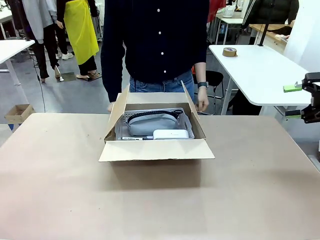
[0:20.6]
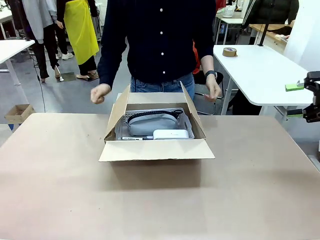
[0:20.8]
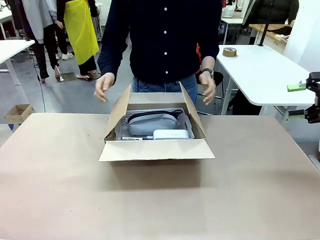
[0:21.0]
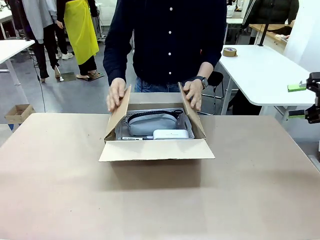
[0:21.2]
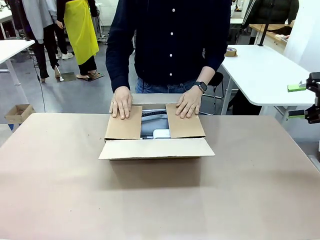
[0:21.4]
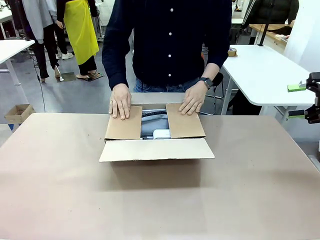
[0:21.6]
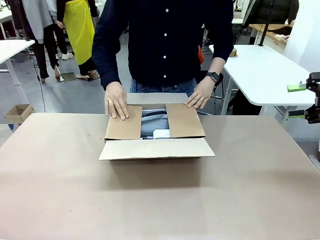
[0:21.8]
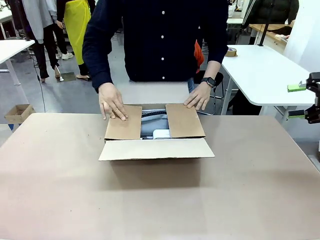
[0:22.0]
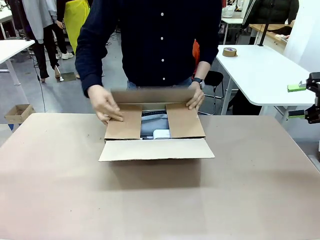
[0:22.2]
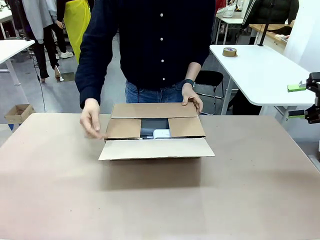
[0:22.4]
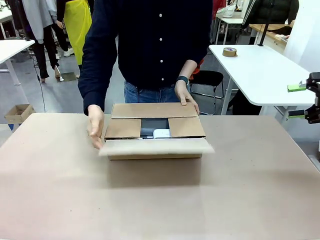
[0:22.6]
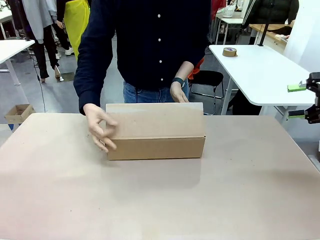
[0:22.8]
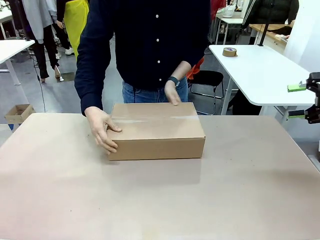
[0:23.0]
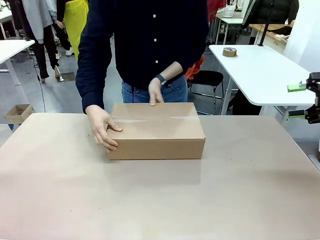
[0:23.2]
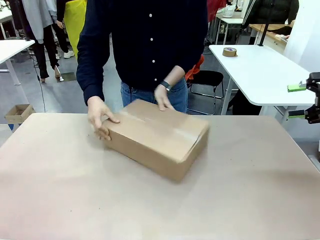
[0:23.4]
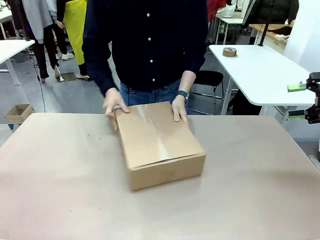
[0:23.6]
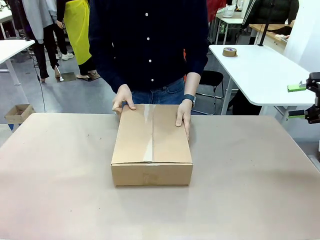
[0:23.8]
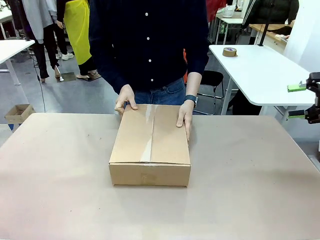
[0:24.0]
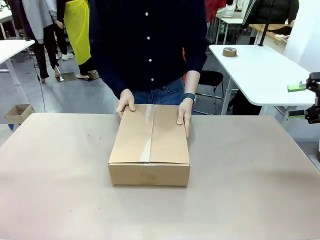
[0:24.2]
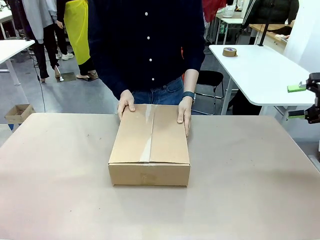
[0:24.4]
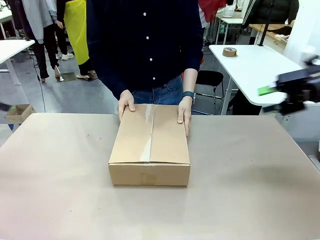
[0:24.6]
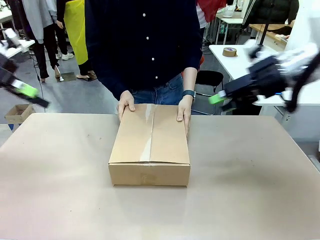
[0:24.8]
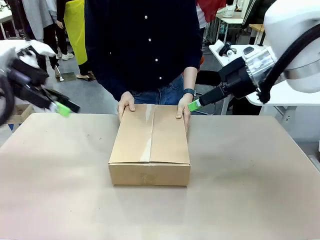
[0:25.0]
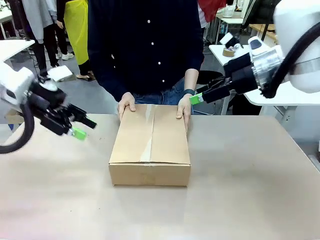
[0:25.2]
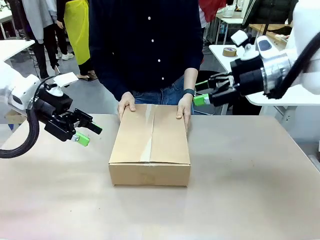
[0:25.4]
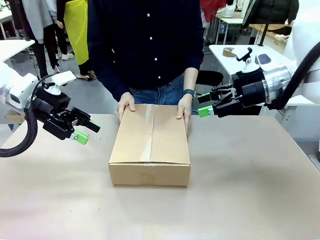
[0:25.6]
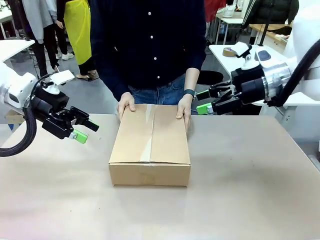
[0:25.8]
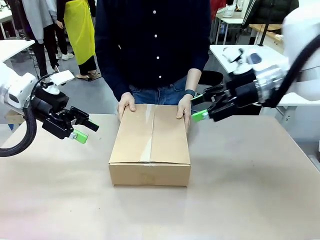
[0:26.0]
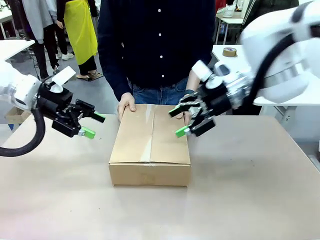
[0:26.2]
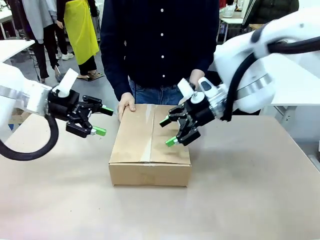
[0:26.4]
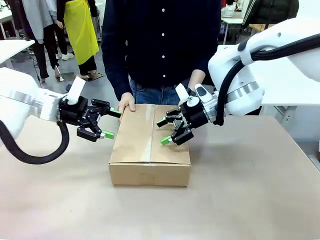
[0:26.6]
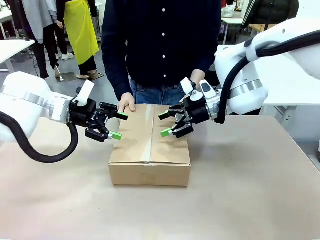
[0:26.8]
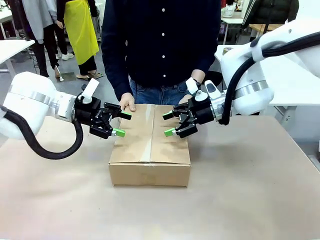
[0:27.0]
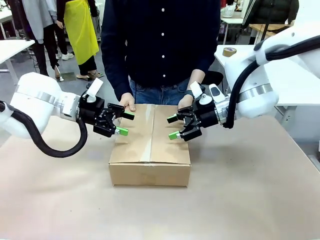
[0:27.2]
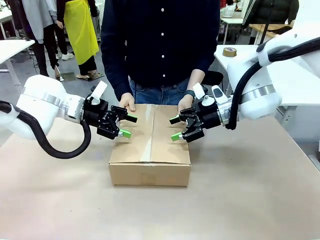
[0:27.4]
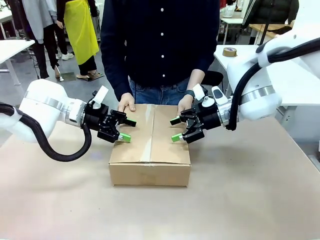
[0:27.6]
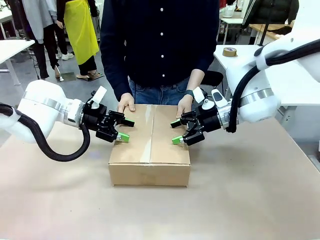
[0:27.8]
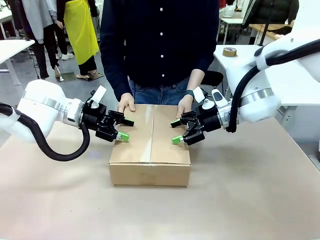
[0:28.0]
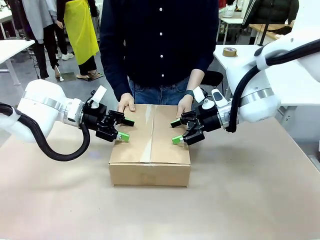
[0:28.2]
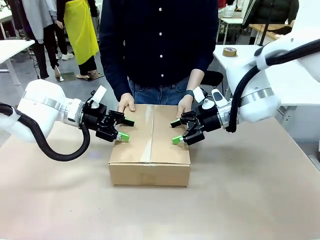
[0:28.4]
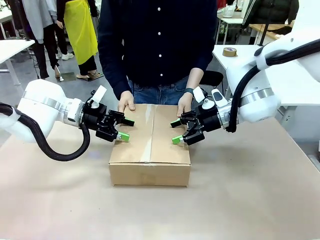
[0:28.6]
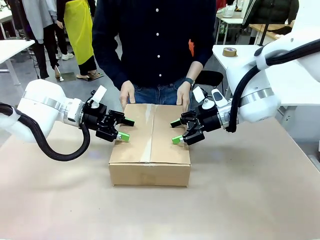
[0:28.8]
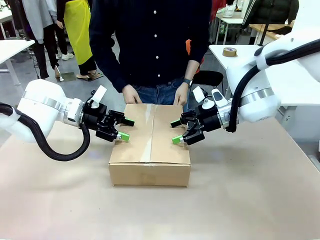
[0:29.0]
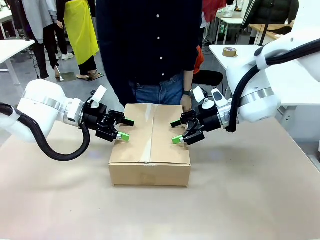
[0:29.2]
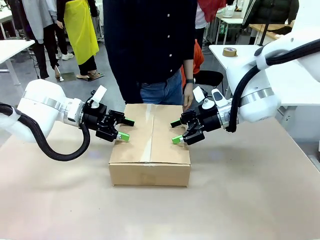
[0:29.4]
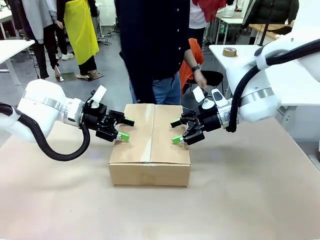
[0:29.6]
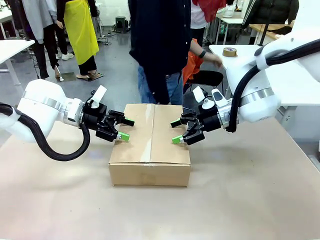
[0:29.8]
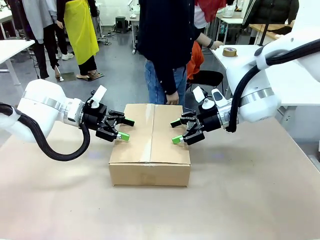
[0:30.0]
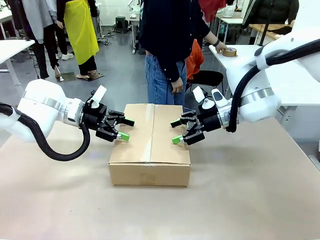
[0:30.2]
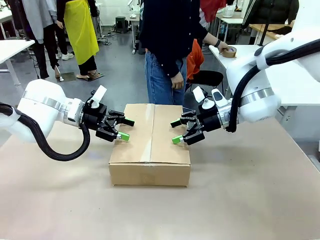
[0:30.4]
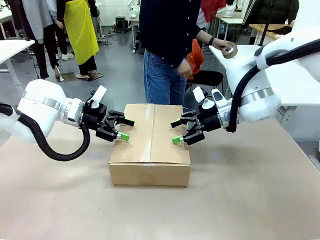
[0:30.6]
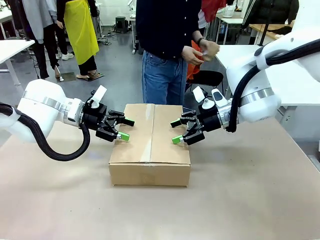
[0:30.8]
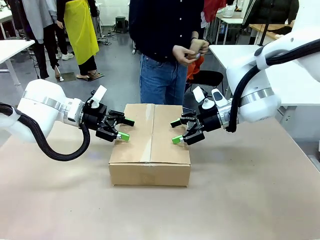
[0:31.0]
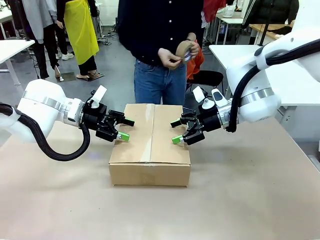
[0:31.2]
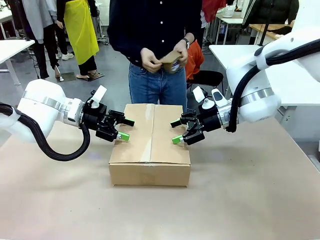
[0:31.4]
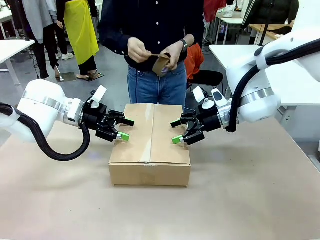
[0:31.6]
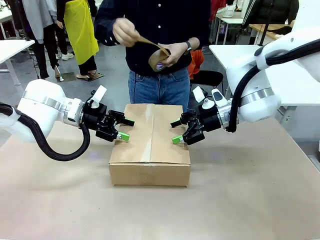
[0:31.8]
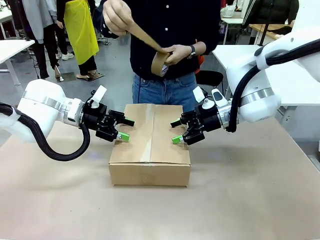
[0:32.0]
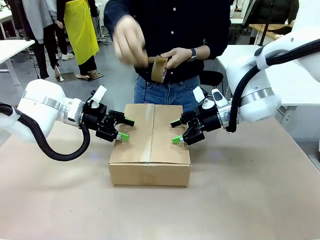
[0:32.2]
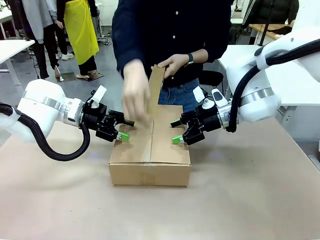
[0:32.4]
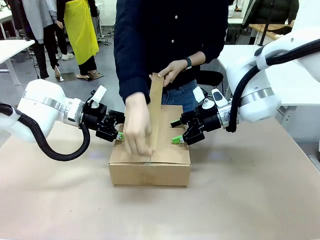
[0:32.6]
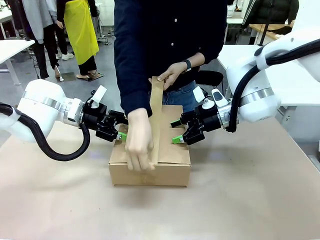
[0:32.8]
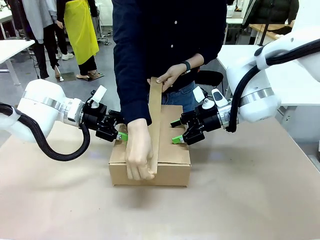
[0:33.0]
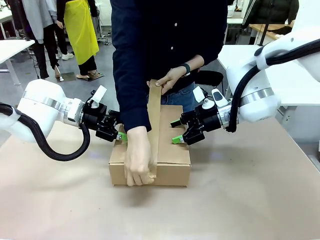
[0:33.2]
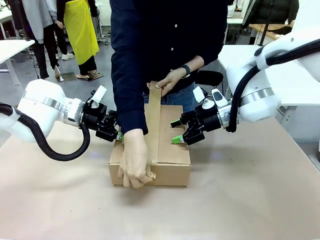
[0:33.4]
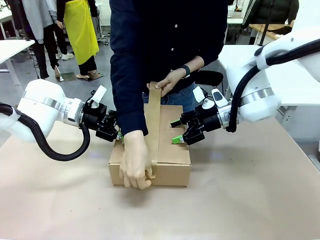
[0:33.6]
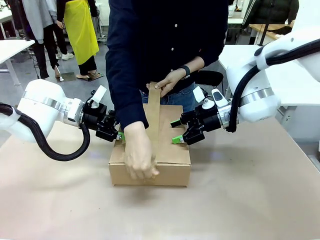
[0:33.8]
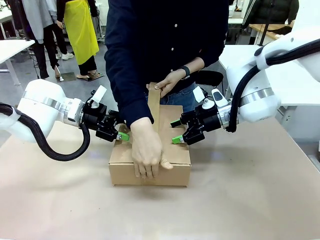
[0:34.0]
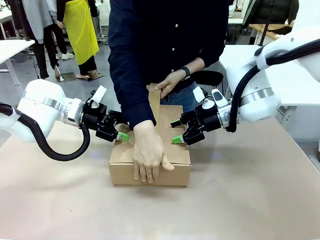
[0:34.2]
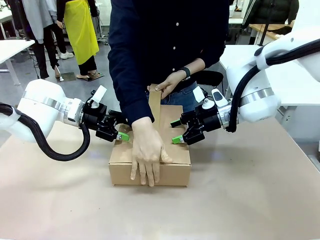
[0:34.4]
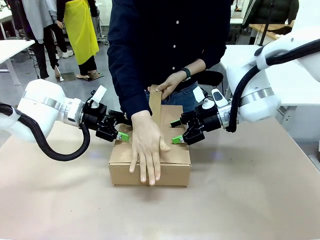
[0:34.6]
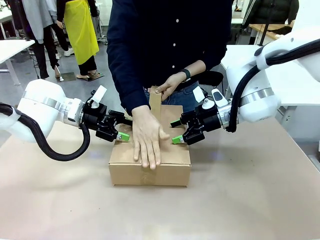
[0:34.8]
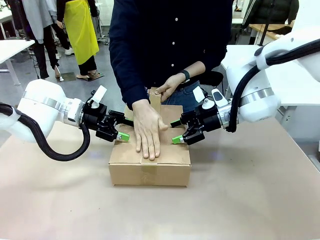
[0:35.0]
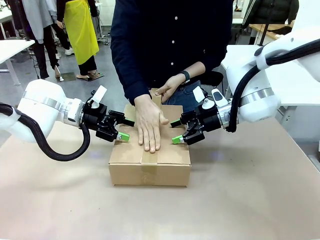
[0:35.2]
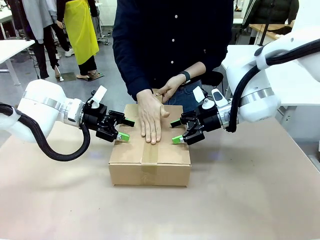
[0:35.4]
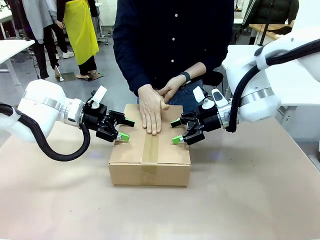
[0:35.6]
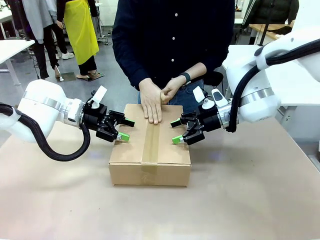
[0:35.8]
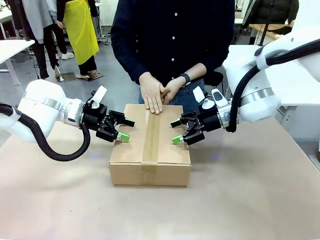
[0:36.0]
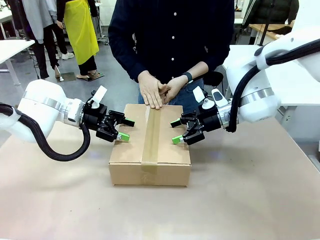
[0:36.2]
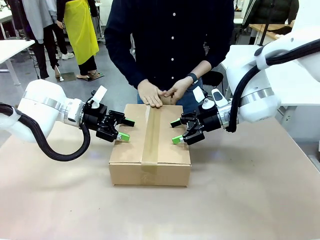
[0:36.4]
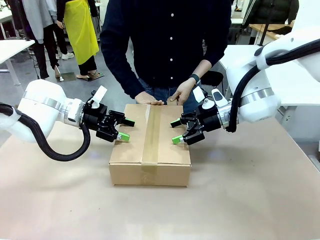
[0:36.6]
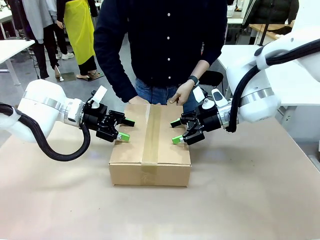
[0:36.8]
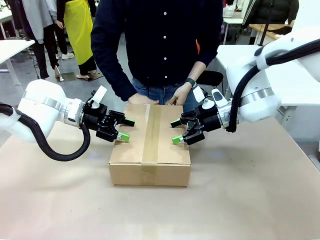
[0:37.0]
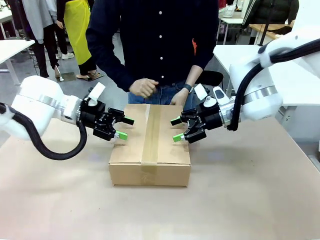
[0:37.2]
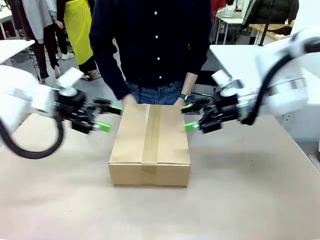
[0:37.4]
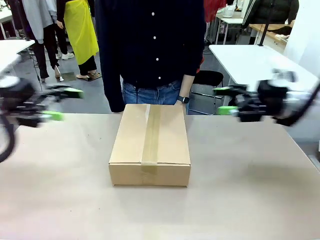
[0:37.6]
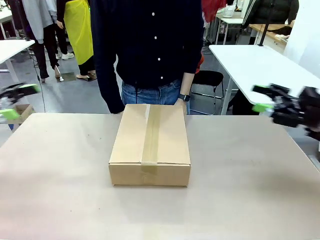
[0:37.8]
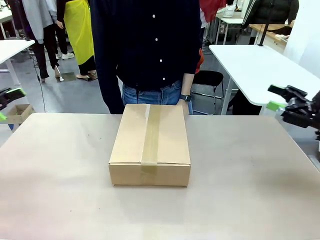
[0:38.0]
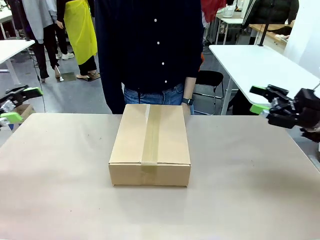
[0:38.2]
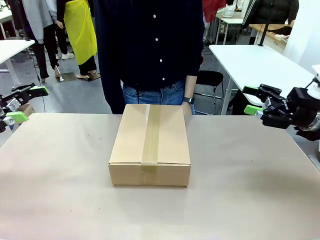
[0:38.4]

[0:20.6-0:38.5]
Task: Pack the gift set into the box.
Robot: Press and hold the closed box until the human finishes sealing it.
Person: The human closes the box and rotates the box by 90 degrees. The human picks up the paper tape from the human table and packs the box.
